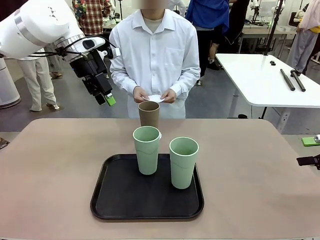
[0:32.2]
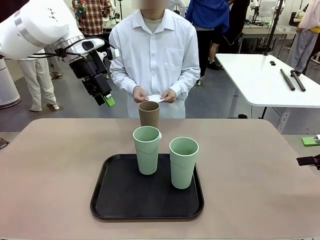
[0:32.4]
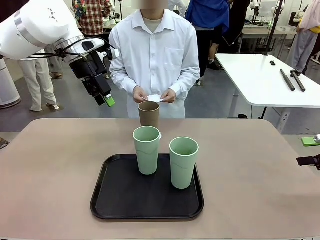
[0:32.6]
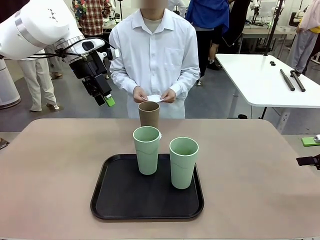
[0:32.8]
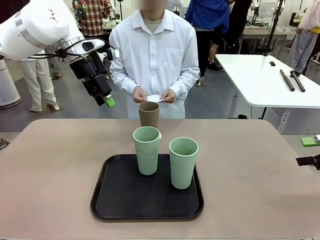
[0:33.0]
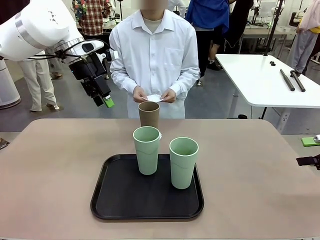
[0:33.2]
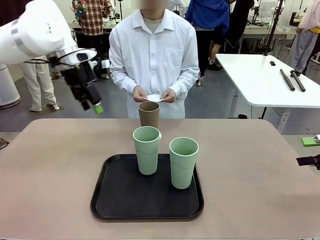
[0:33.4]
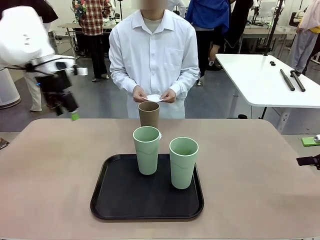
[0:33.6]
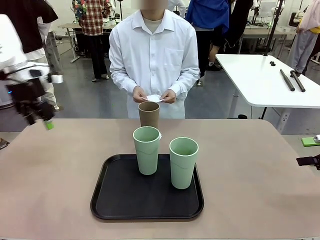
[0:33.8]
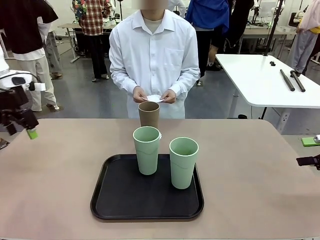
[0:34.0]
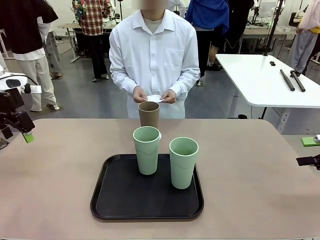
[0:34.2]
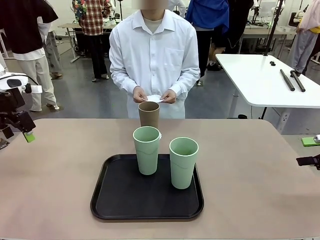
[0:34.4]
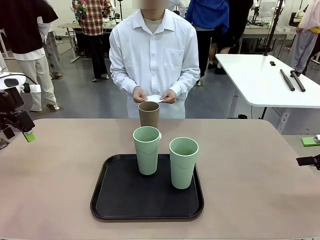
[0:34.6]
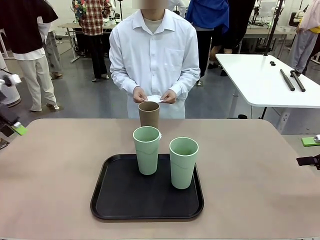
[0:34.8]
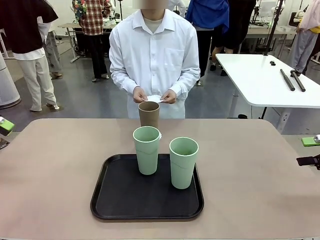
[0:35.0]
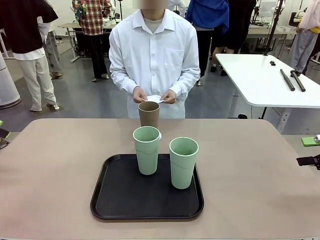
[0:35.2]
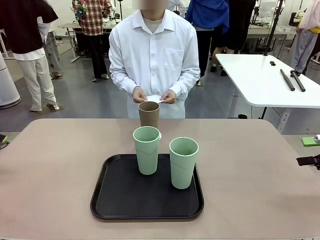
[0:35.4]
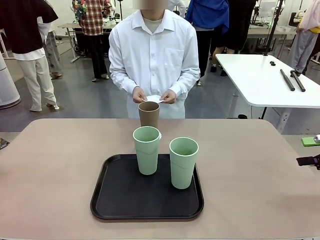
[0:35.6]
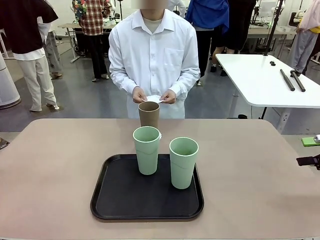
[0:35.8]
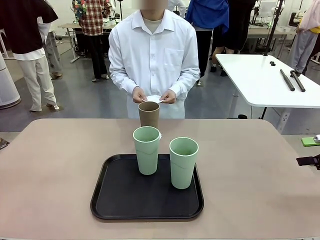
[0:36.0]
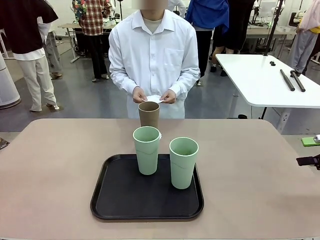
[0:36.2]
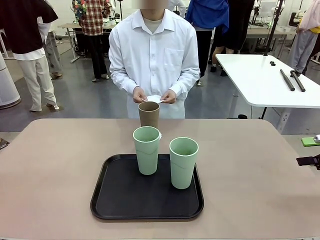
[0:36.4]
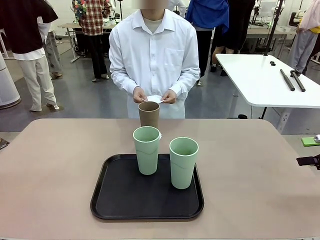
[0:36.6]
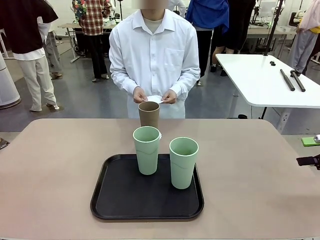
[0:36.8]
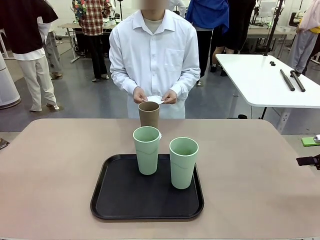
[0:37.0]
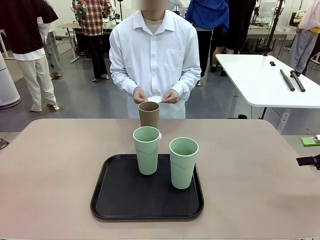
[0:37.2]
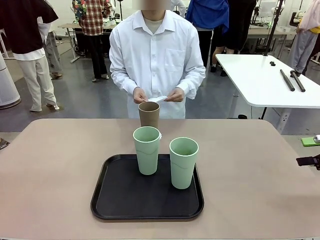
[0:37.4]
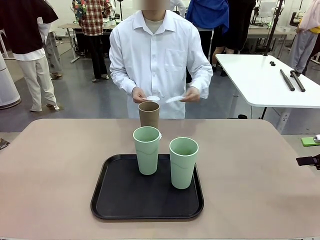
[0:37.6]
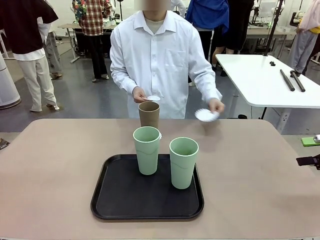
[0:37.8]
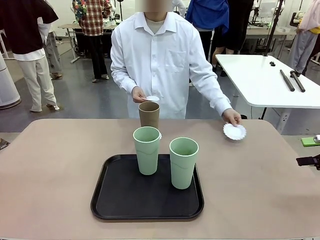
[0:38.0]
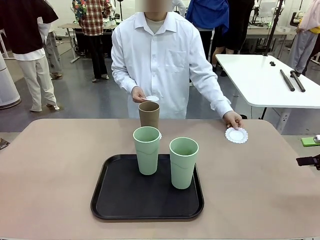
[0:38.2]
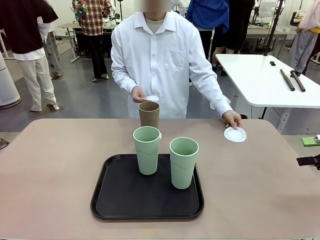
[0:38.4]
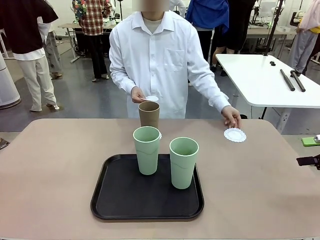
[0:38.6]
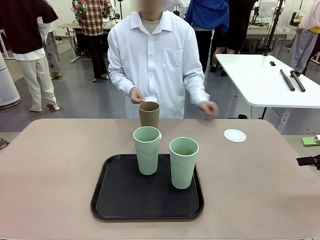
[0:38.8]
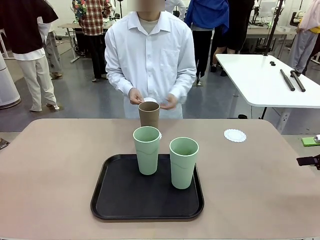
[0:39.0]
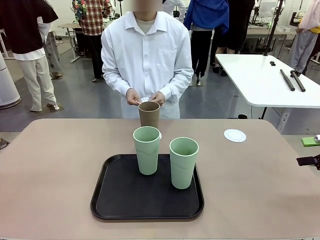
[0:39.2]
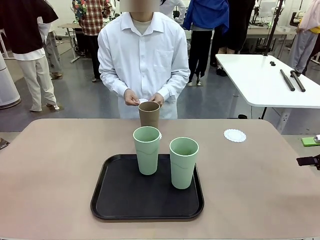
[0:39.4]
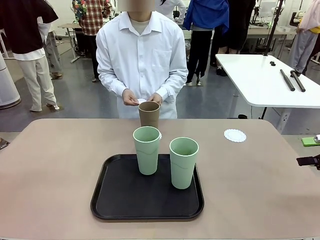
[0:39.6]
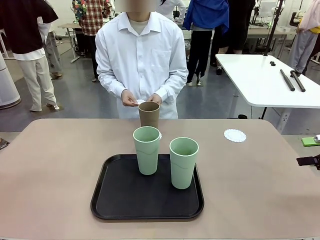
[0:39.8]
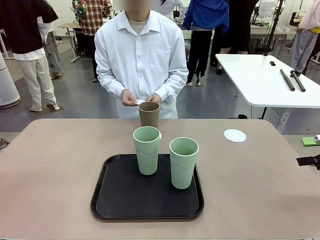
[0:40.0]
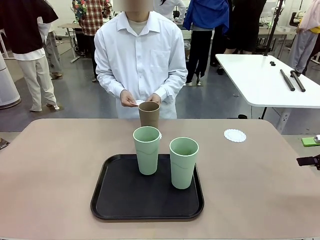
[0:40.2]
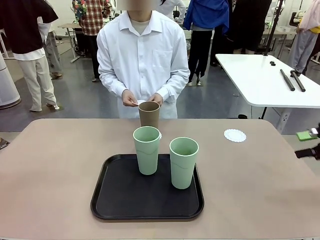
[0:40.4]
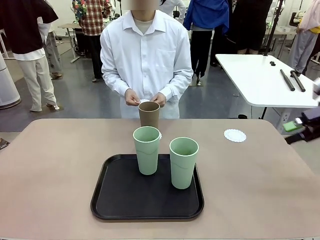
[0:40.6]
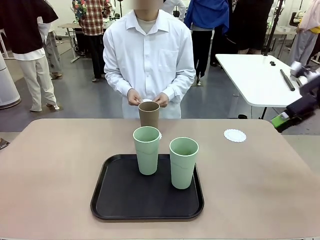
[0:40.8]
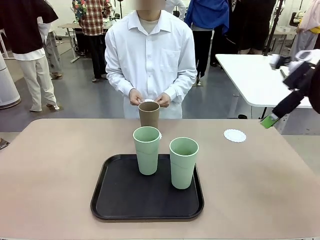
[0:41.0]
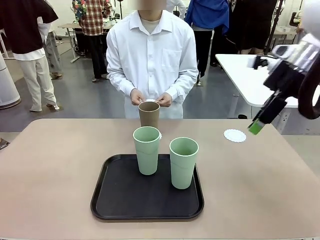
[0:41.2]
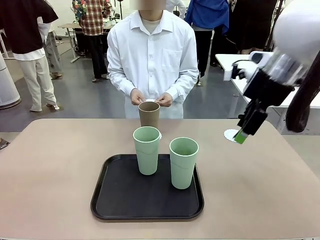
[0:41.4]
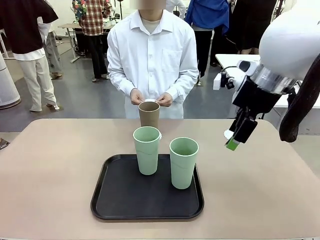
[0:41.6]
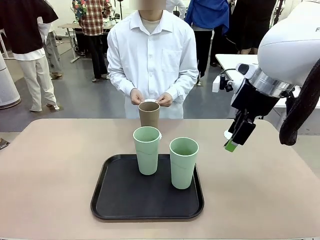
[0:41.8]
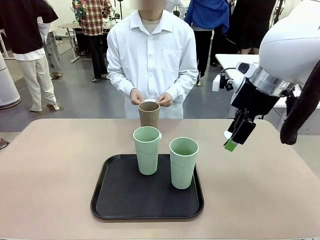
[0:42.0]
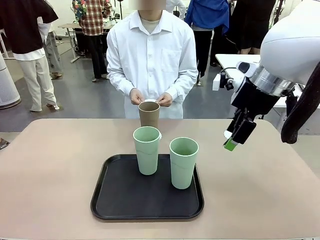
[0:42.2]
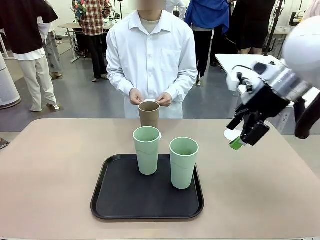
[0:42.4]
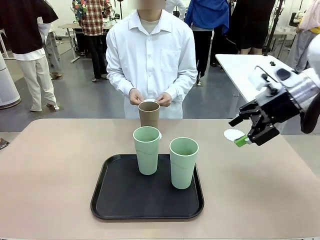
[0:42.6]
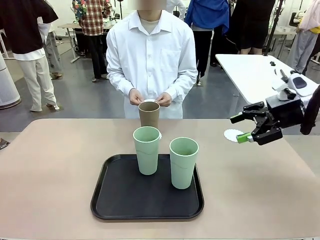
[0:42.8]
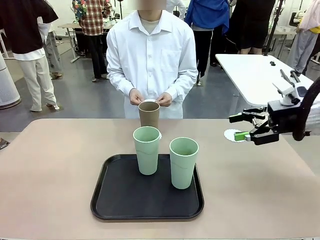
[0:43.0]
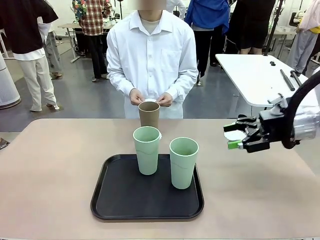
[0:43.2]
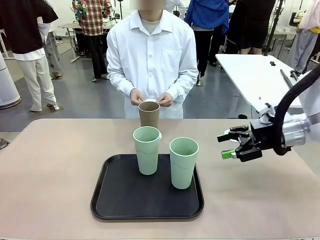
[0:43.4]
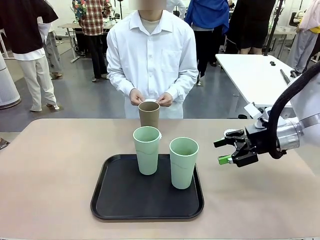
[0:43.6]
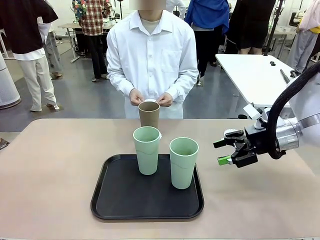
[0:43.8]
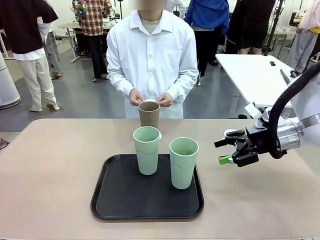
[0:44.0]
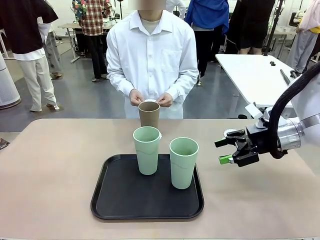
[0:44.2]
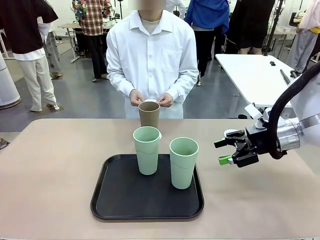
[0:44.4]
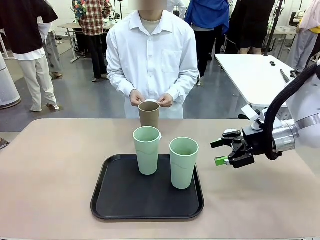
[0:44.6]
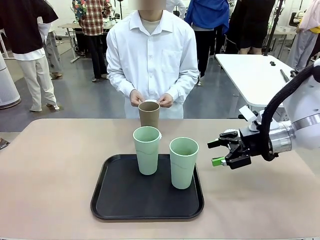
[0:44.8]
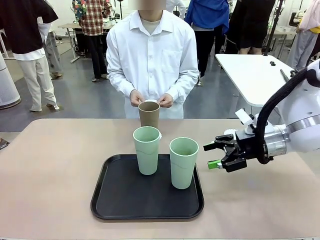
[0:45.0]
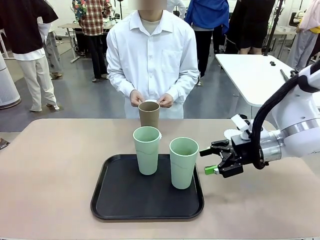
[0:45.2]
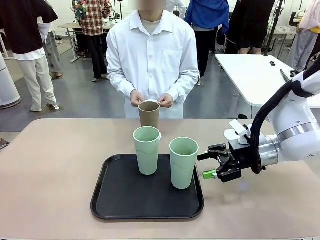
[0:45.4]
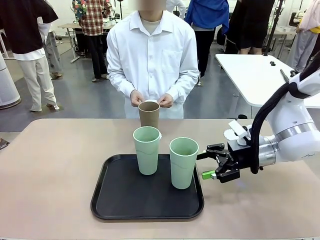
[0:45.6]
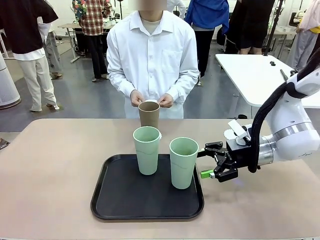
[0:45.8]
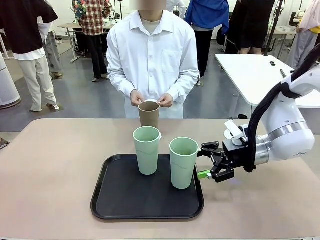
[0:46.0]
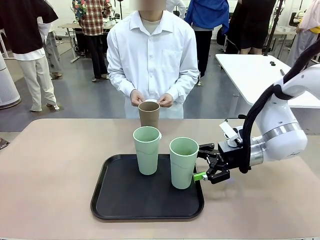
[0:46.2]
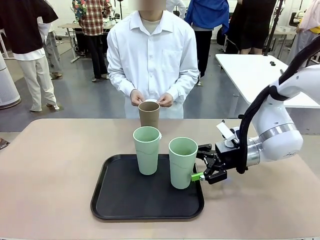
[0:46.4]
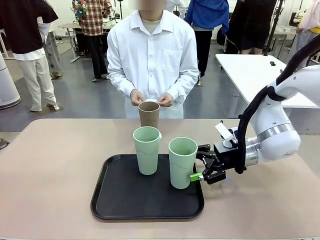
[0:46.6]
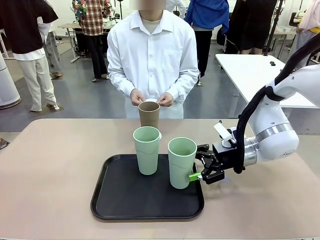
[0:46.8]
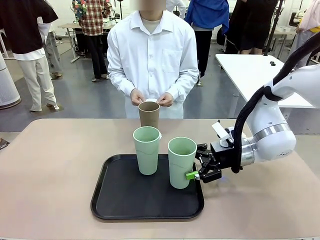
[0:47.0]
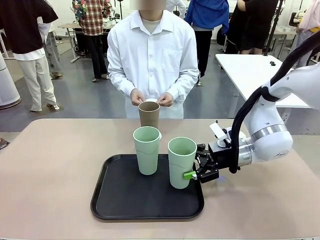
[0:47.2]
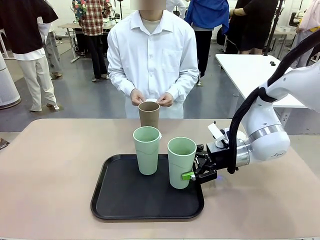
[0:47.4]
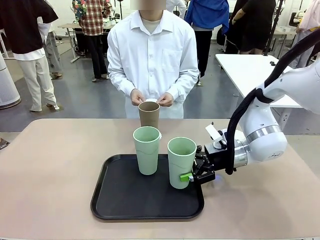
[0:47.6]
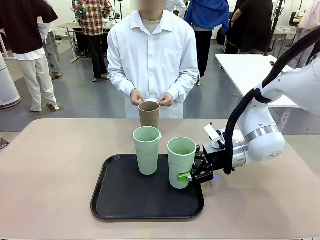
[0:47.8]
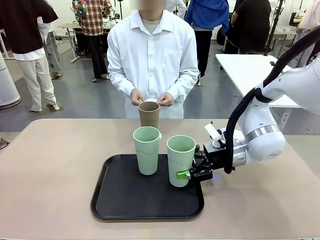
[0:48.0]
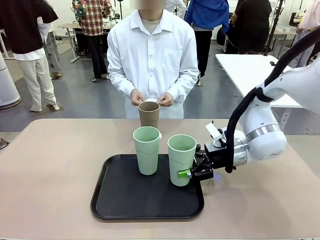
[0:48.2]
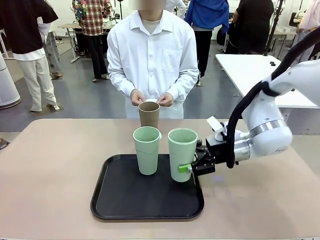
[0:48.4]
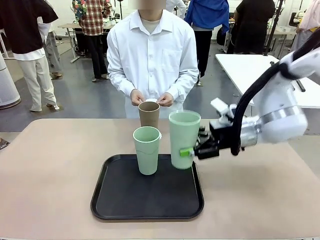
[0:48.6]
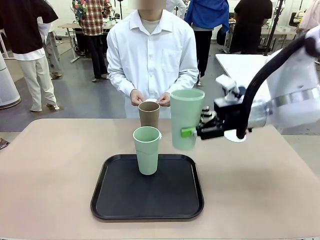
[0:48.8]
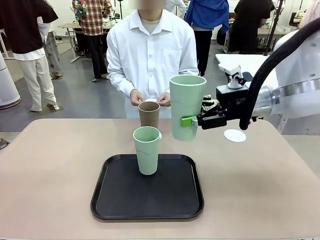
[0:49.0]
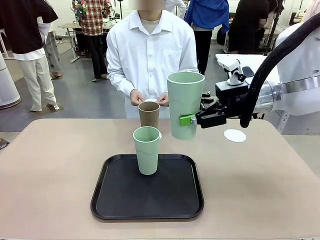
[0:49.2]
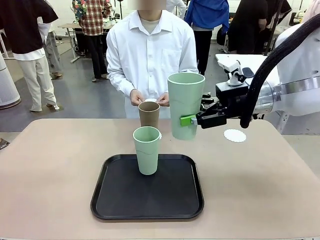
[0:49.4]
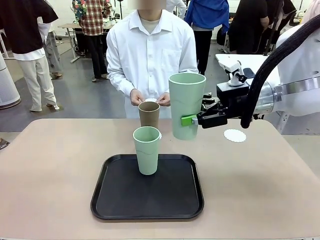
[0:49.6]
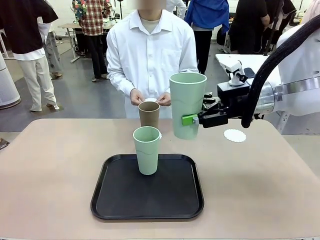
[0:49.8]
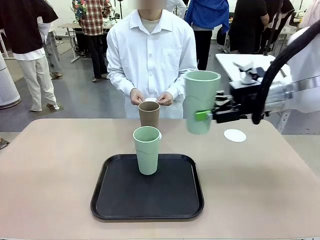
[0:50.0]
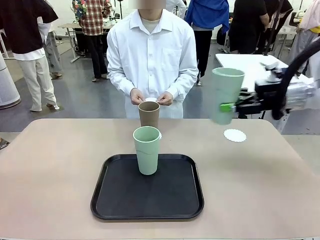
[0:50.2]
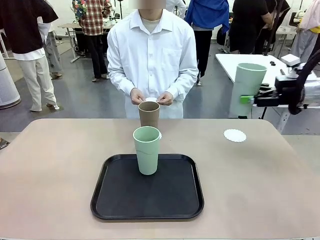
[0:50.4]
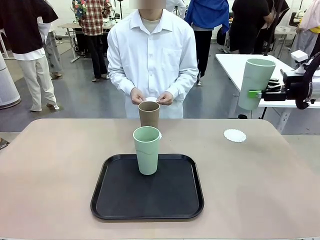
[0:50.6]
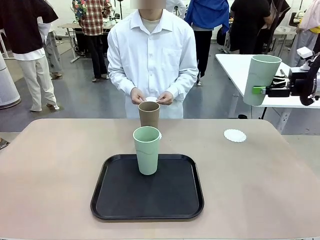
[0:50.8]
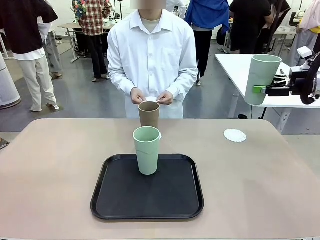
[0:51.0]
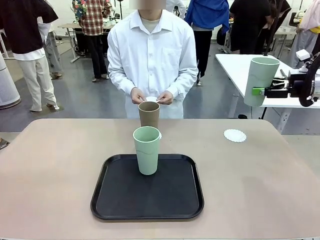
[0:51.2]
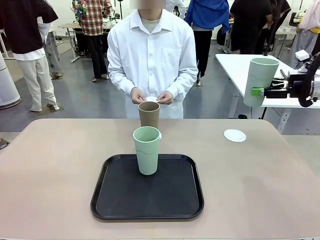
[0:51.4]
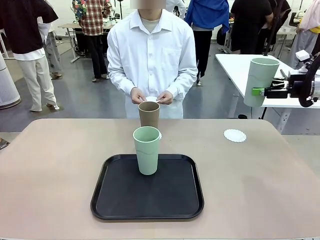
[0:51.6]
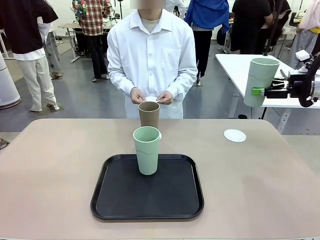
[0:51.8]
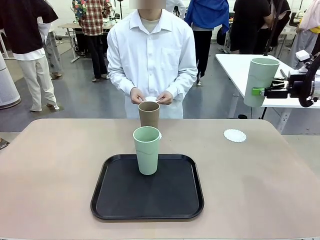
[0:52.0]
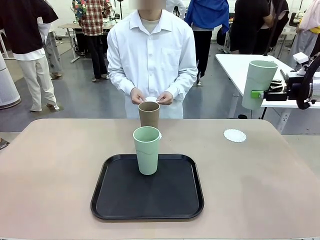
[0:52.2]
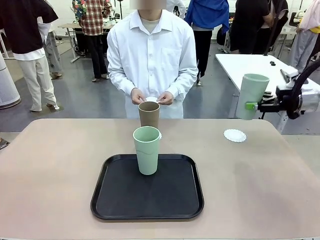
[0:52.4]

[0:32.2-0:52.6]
Task: Place coasters on the table and set cups on them.
Robot: Take one Reusable plastic cup from the Flat Tray and place it on a coaster set by the human.
